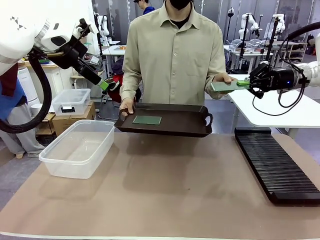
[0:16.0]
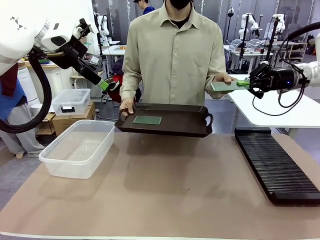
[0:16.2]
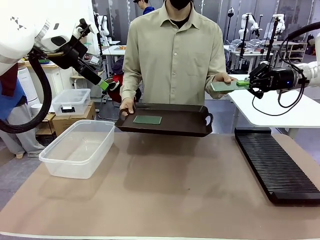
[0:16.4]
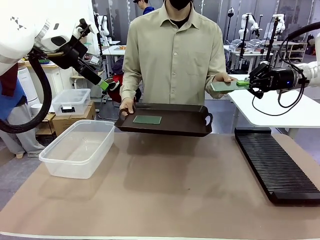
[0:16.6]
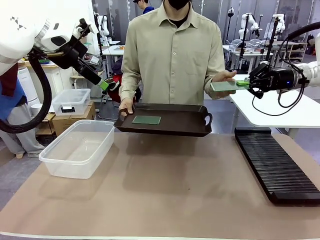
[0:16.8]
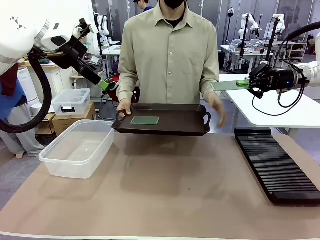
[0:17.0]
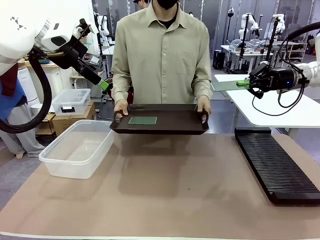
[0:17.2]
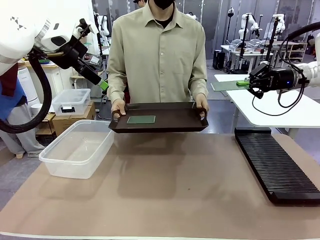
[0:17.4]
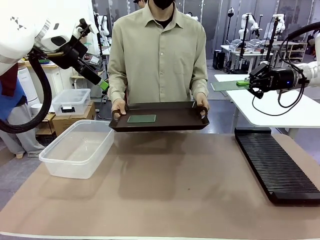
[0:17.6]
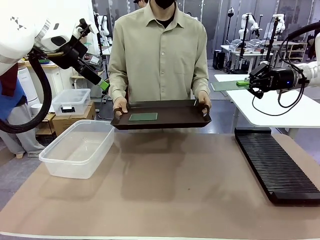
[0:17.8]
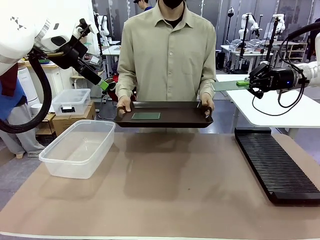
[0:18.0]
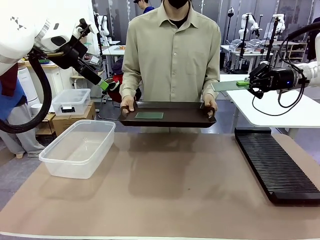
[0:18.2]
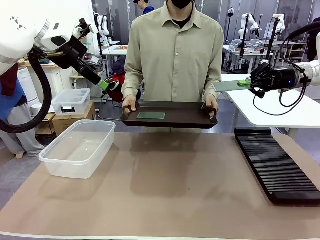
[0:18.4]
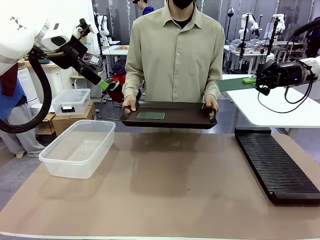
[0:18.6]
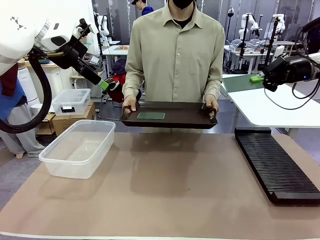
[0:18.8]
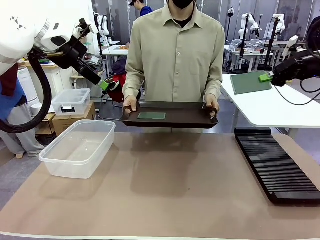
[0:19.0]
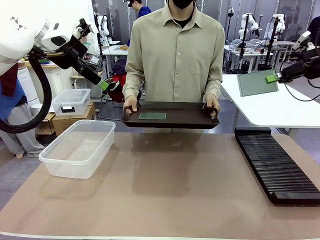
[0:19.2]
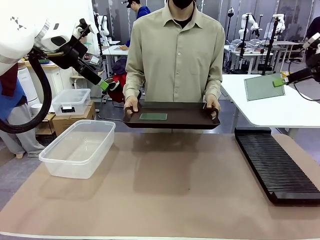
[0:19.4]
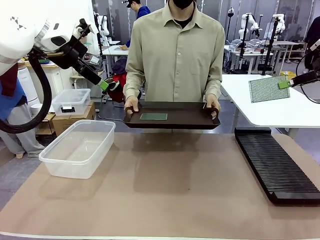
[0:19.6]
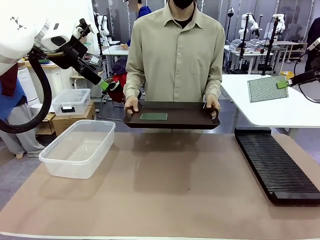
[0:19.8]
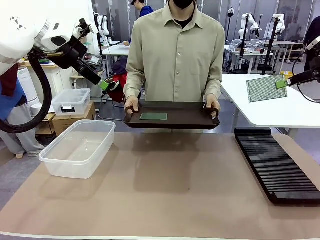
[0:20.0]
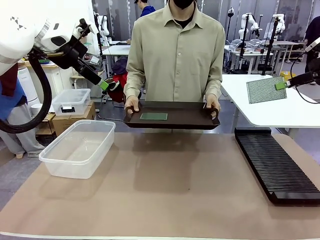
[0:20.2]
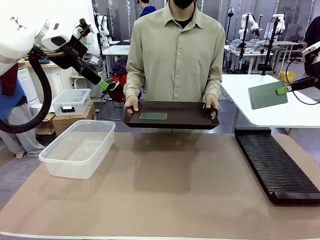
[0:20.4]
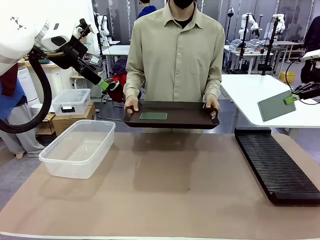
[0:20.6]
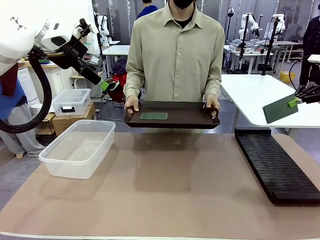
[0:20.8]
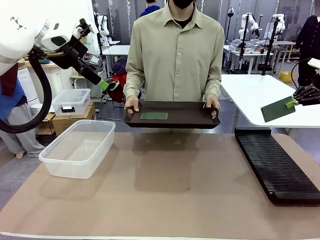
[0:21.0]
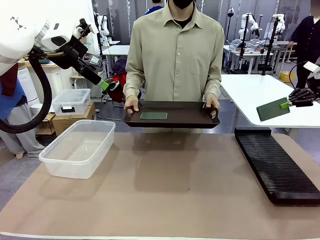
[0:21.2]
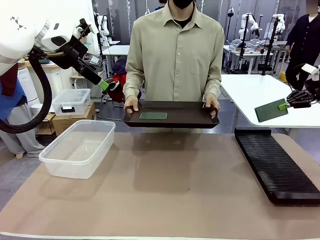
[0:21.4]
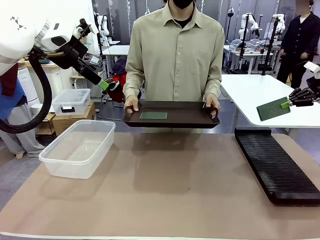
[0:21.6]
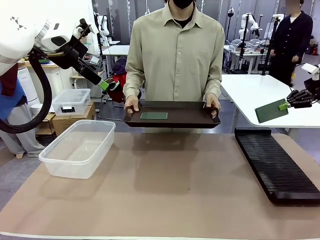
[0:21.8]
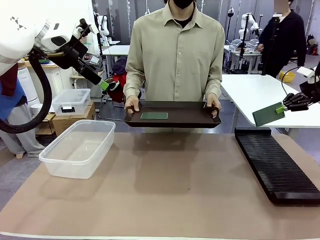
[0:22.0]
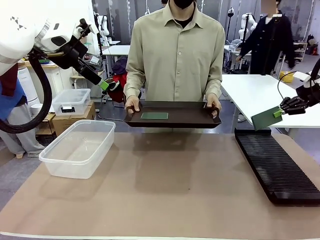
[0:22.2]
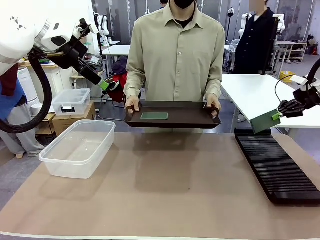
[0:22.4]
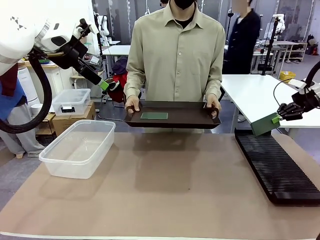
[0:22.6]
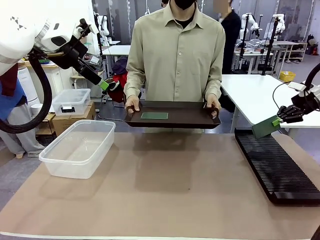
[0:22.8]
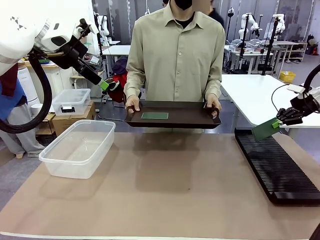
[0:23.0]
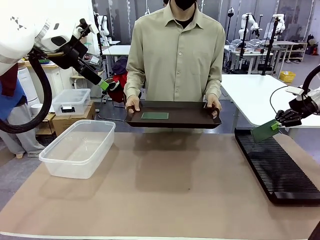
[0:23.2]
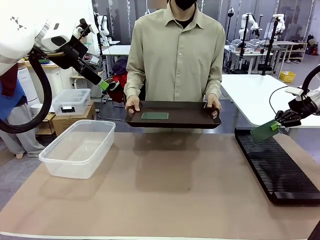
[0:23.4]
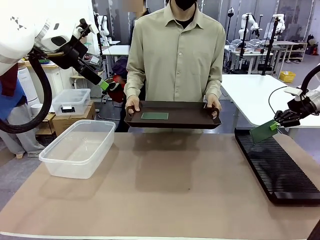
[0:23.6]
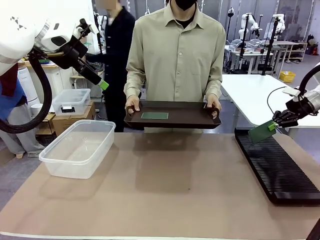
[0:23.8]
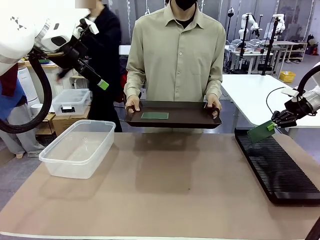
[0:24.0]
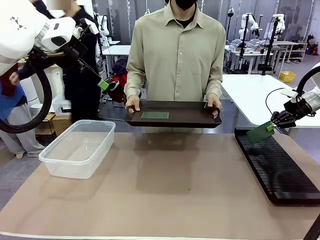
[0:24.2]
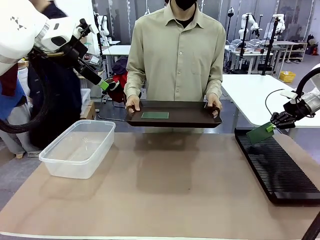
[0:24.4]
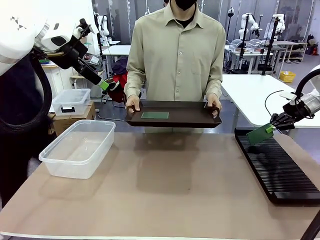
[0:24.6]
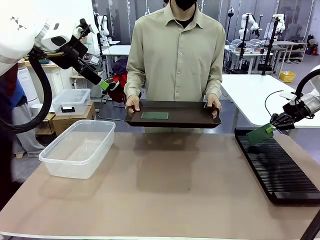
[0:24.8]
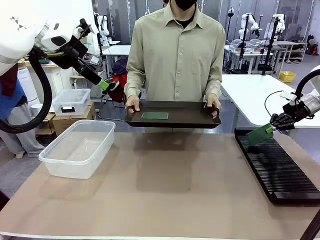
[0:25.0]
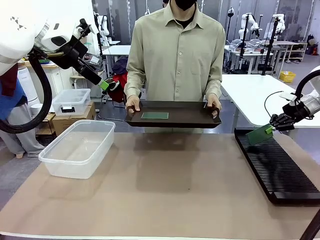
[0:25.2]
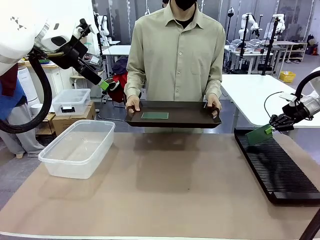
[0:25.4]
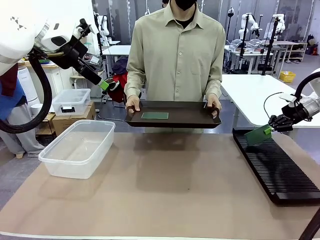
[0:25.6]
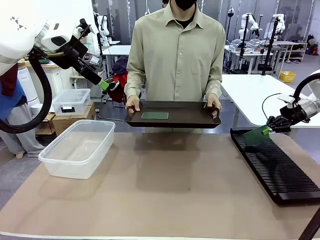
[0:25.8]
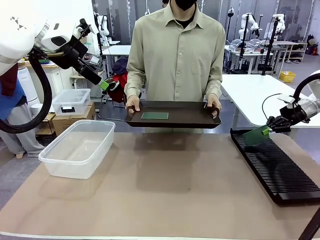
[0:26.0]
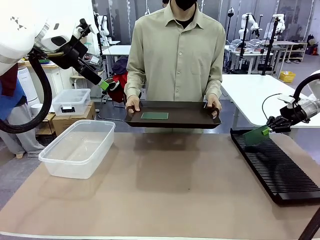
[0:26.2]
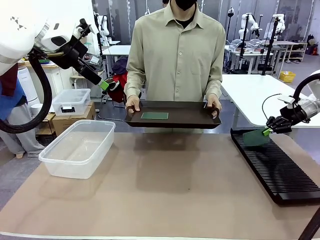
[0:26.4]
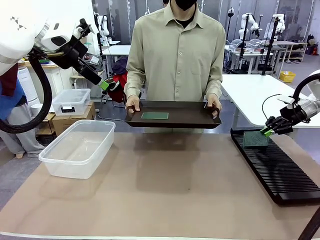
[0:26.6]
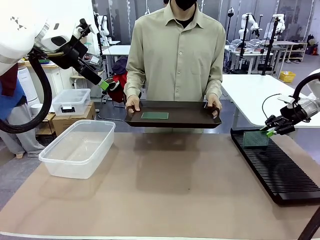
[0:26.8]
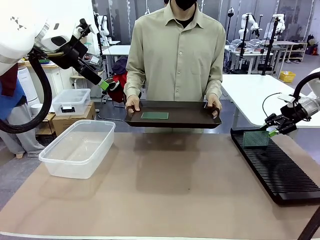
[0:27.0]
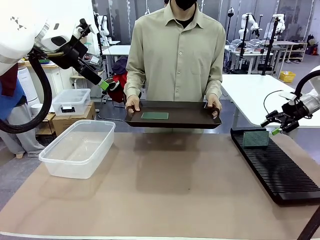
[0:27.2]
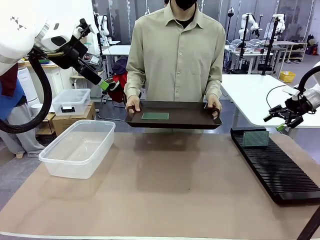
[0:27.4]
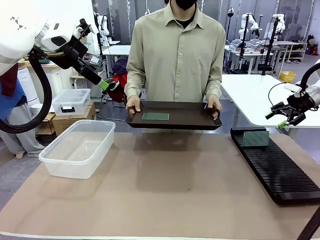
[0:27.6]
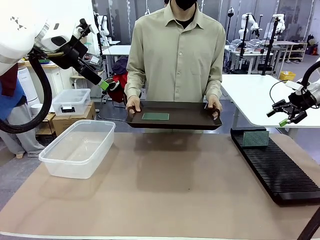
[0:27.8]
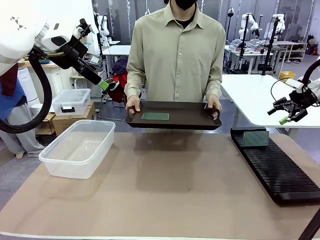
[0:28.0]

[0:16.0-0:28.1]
Task: Sort PCBs into racks and boxes based on the side picked up.
Robot: If the short side of the Blank PCB is picked up, insert it into the PCB Rack ; if the long side is picked up, place it in the Organizing box.
Person: Pick one PCB from the tray and present it to the robot.

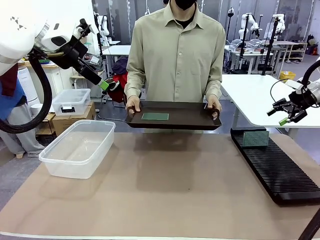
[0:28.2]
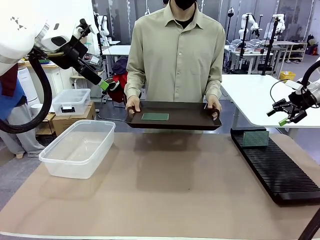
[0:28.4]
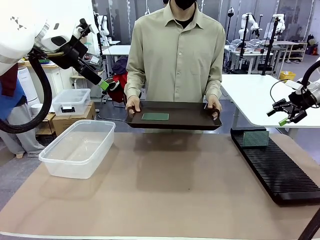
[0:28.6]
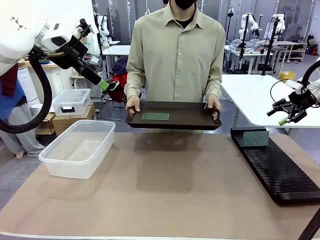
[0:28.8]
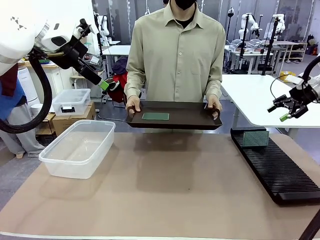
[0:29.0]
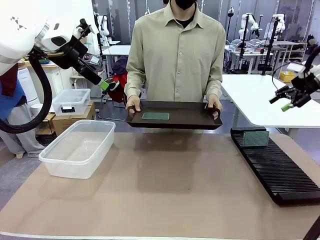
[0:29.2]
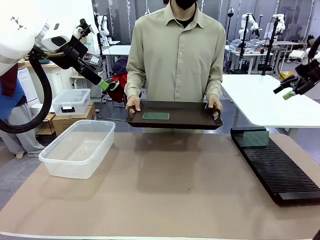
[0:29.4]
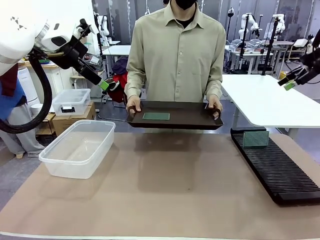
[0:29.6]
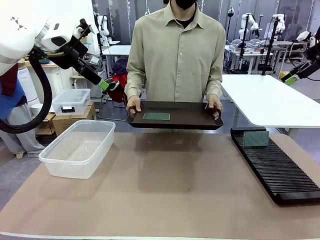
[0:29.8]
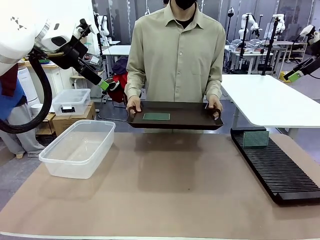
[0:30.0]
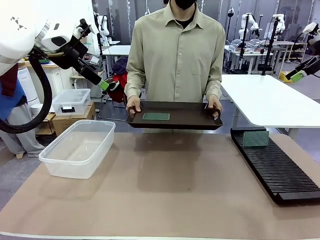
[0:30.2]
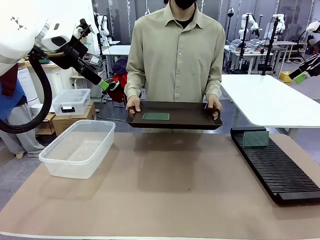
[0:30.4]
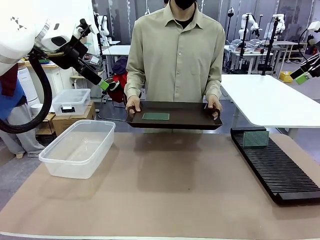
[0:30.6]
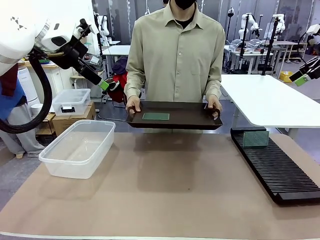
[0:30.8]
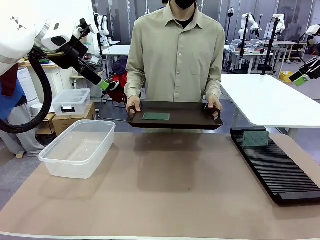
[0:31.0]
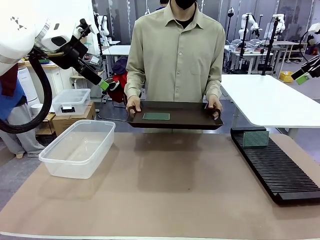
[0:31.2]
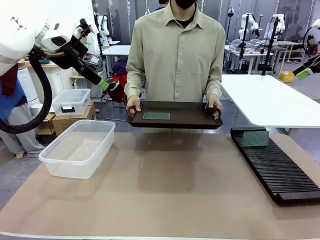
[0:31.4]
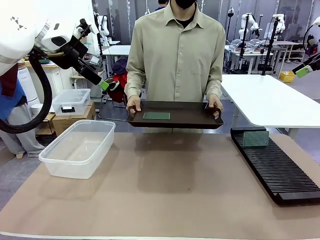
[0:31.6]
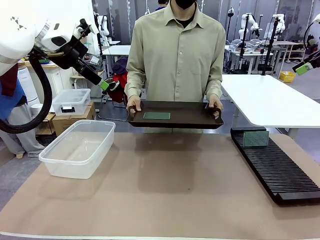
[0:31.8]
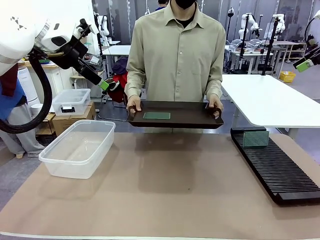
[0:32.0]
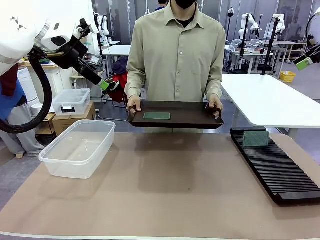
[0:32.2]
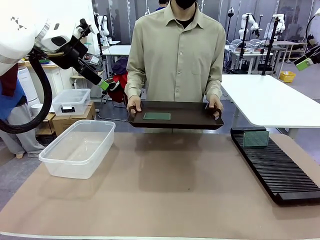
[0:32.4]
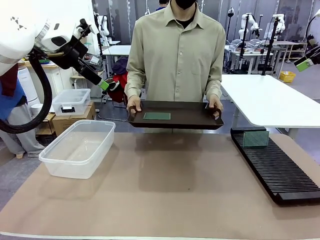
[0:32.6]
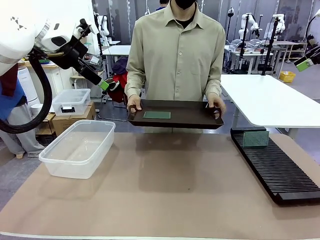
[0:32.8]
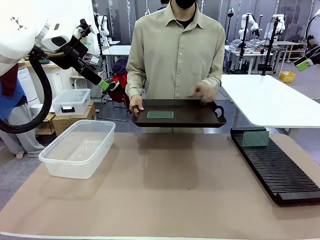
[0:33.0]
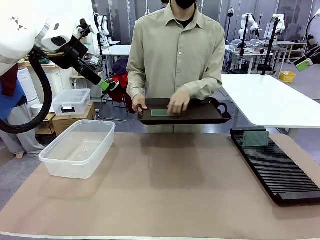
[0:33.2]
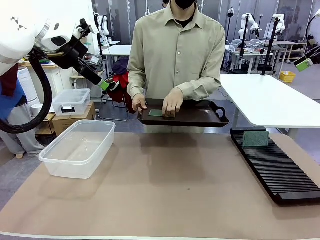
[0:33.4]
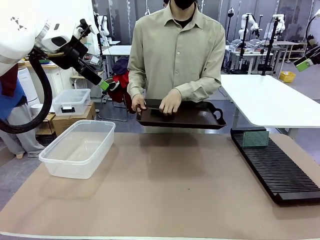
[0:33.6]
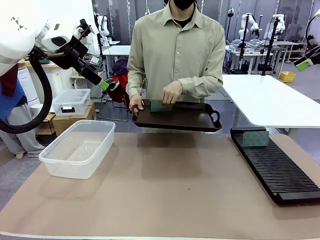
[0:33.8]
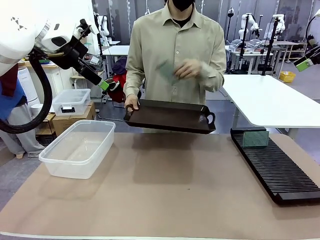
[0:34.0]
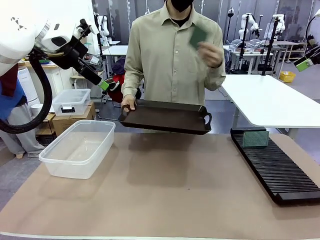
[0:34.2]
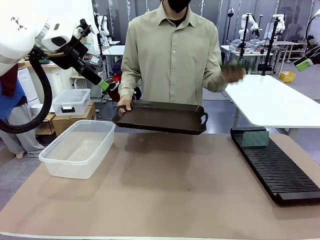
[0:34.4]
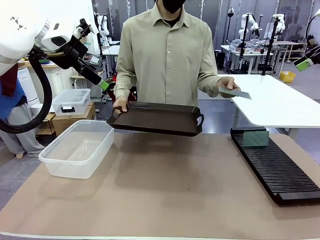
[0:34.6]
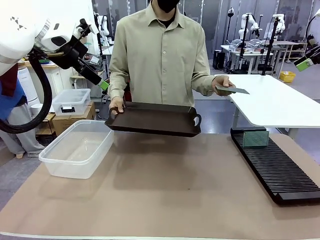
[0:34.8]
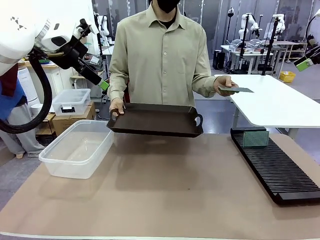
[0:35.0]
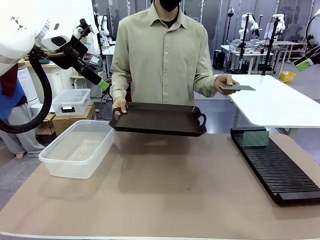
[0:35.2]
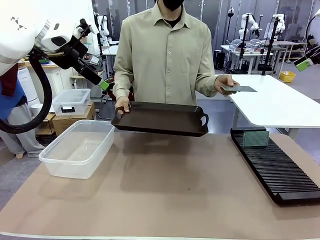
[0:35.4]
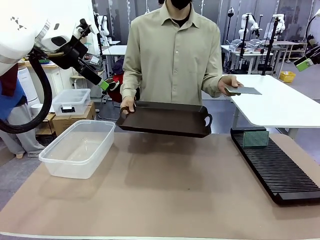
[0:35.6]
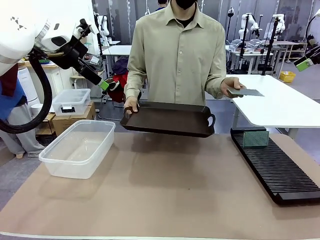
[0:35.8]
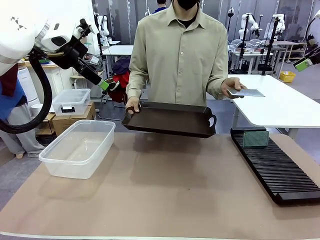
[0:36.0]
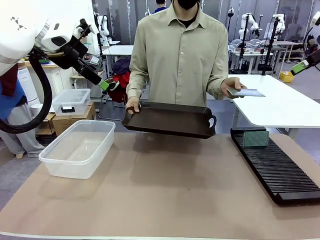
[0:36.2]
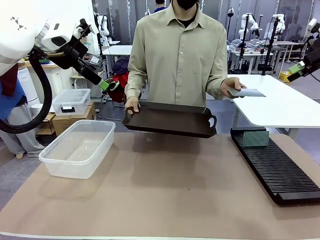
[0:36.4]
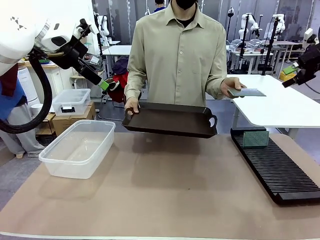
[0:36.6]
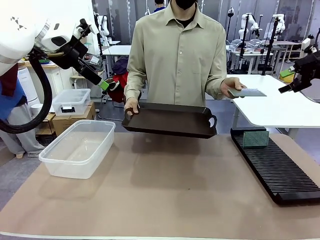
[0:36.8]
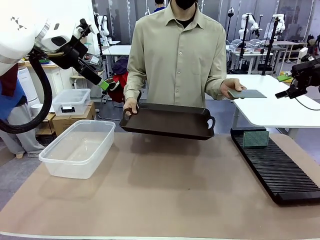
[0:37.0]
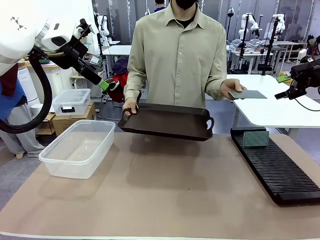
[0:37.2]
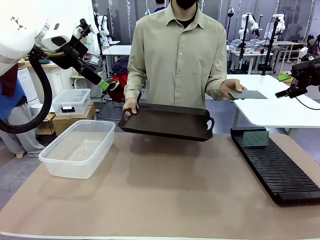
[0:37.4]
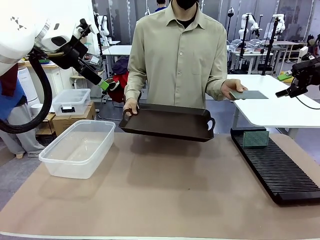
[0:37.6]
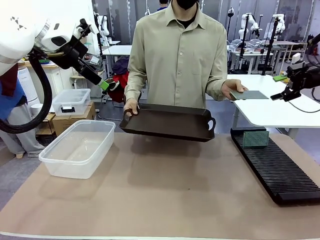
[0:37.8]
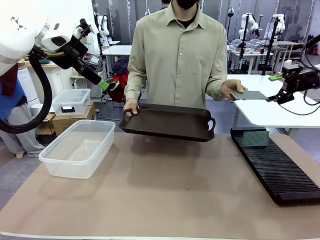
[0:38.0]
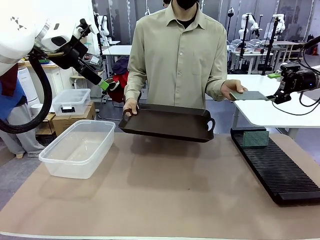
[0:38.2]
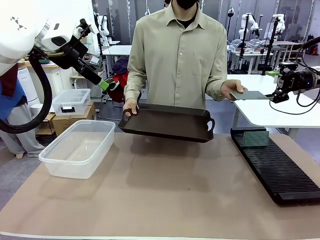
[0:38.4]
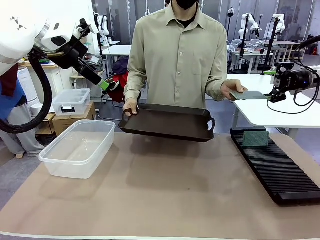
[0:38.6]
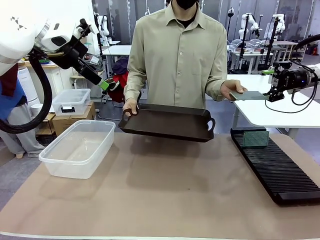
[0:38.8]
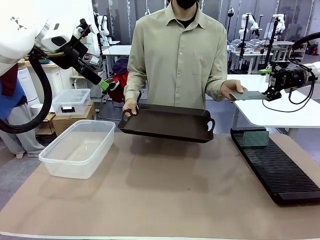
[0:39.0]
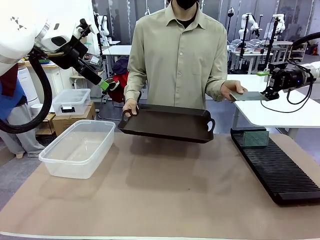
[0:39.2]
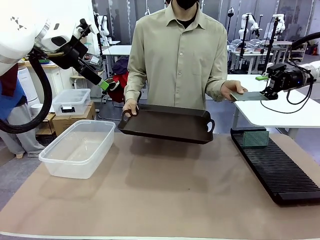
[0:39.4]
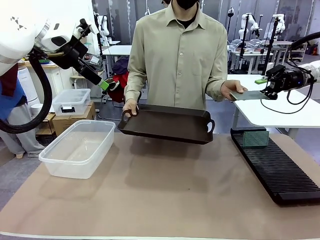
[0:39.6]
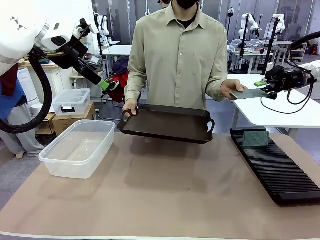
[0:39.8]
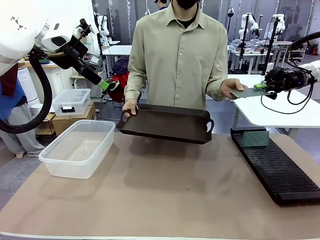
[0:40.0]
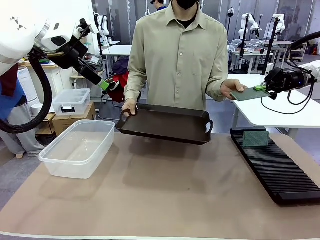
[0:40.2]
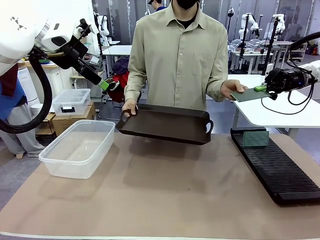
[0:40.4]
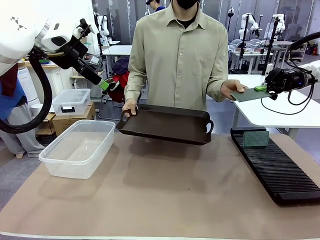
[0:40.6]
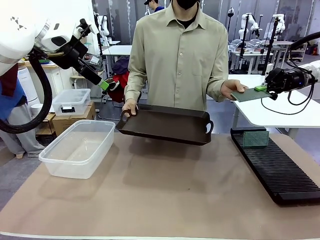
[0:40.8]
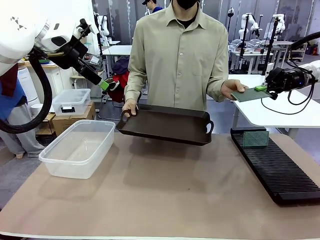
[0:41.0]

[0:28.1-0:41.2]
Robot: Pick up the Blank PCB handed by the Human.
